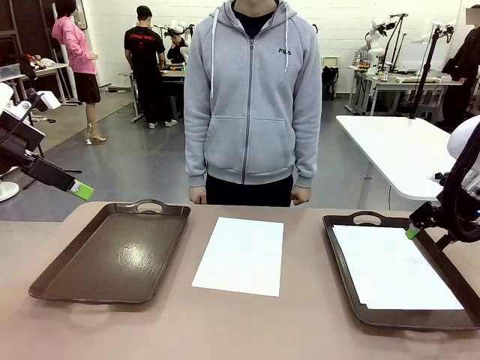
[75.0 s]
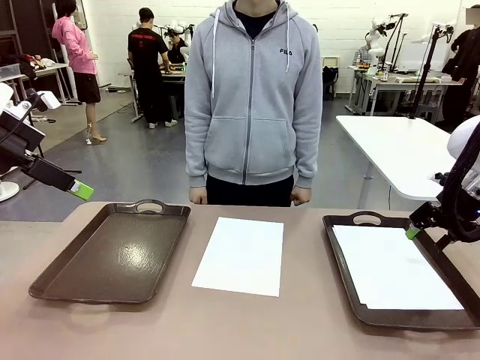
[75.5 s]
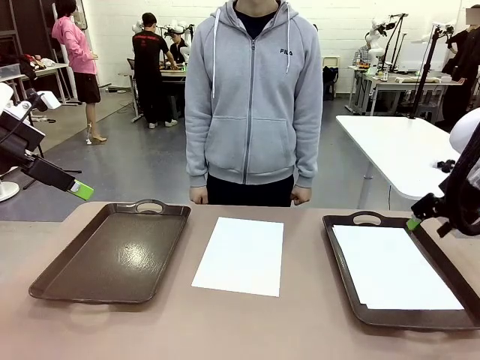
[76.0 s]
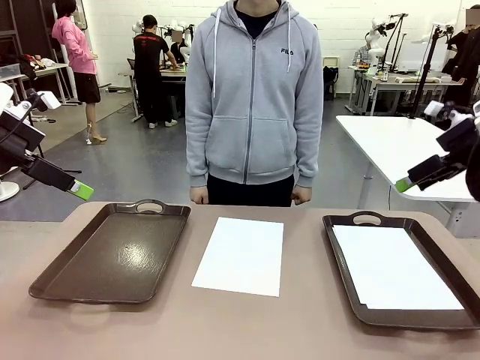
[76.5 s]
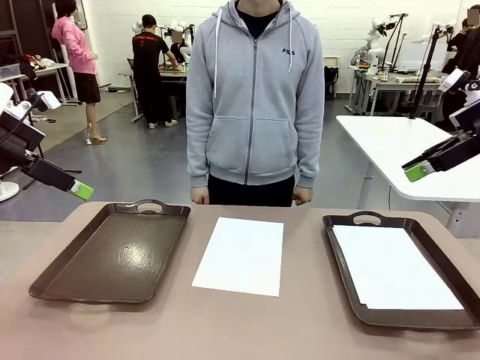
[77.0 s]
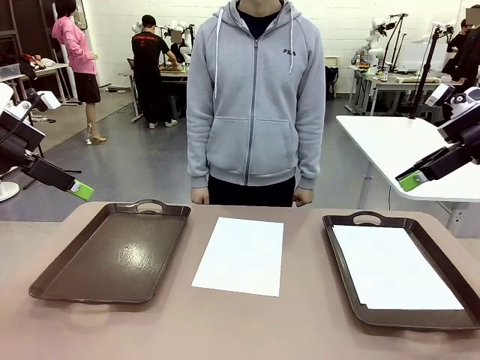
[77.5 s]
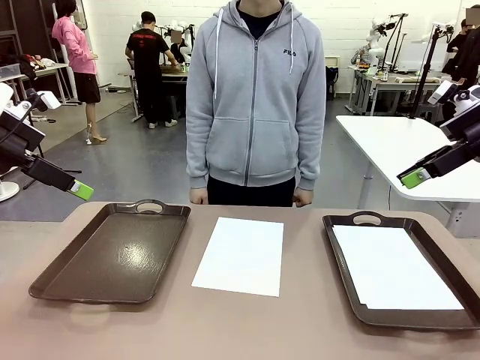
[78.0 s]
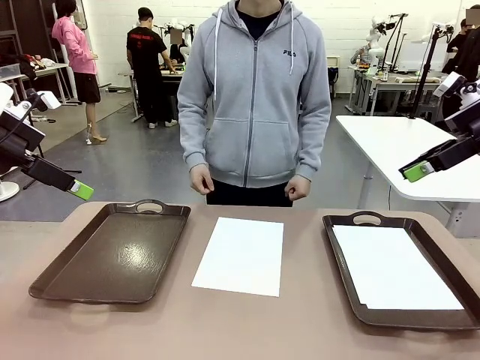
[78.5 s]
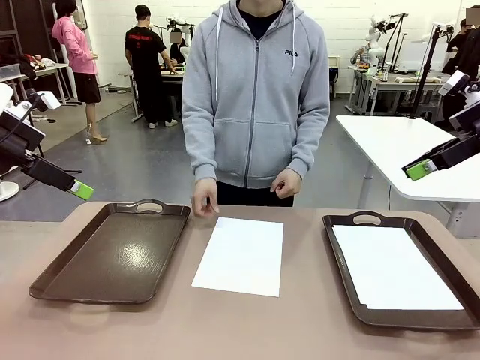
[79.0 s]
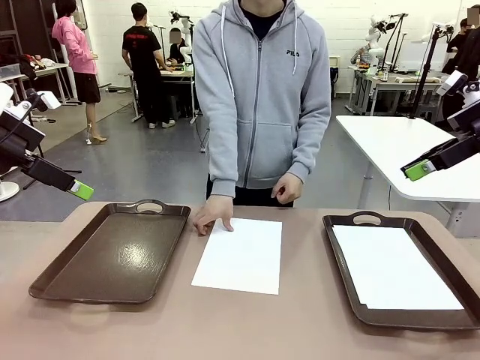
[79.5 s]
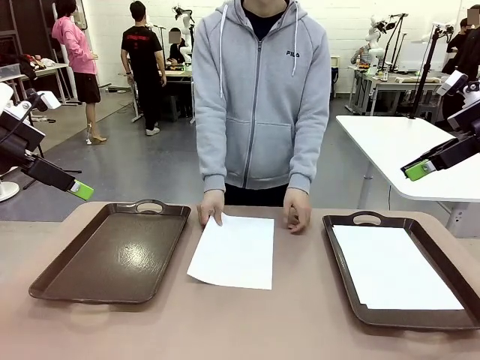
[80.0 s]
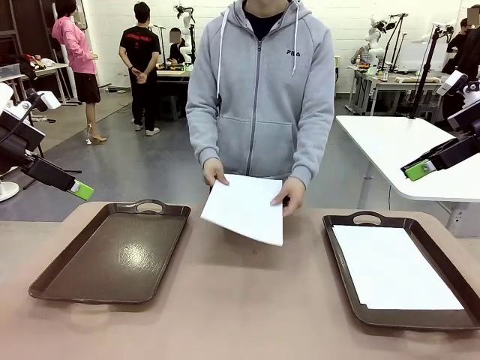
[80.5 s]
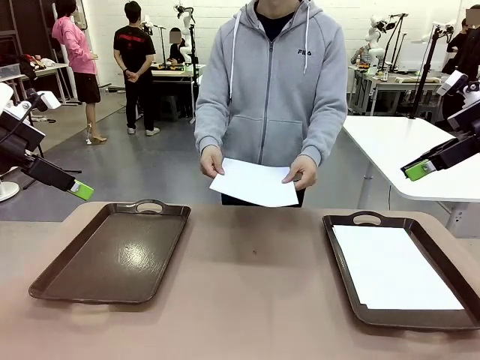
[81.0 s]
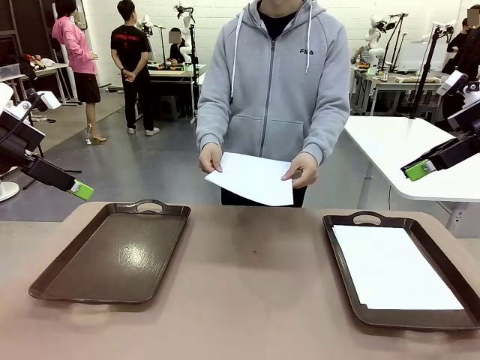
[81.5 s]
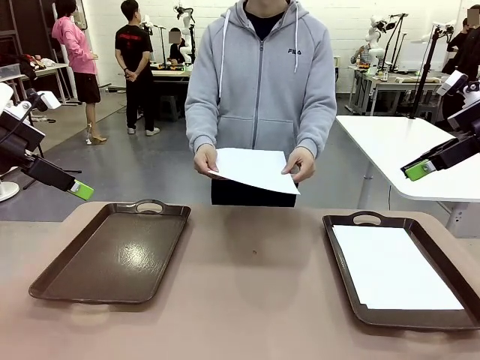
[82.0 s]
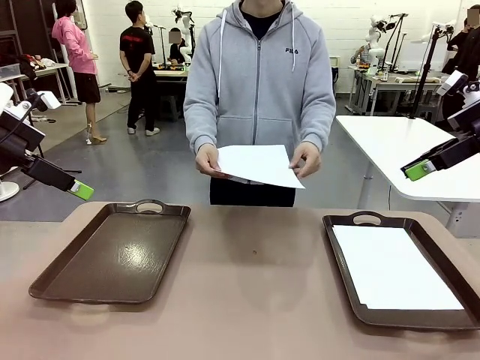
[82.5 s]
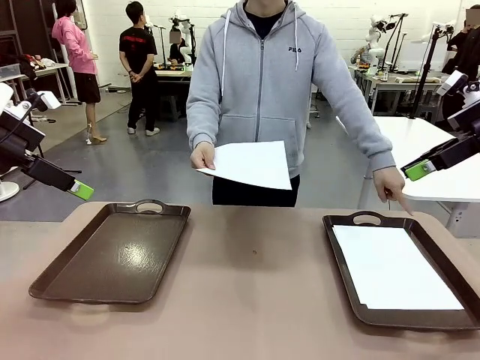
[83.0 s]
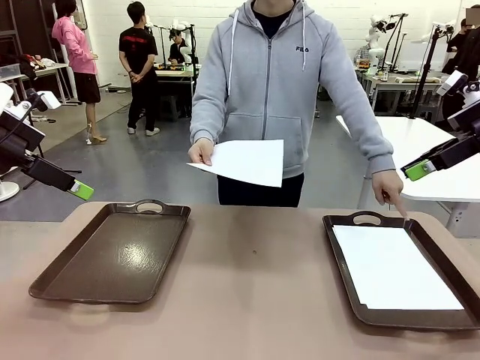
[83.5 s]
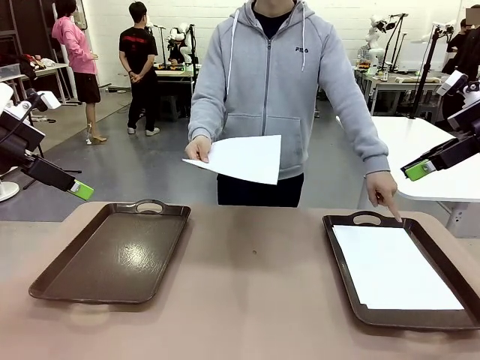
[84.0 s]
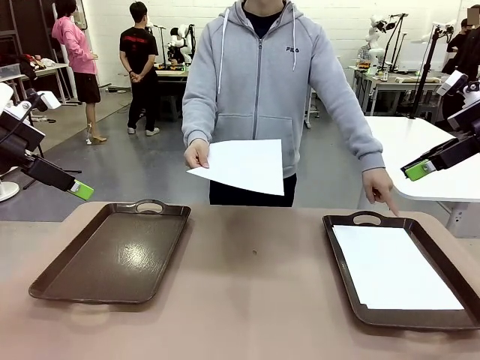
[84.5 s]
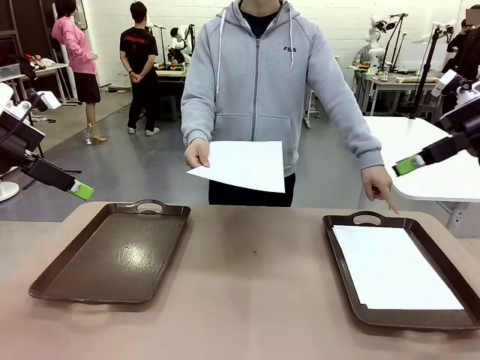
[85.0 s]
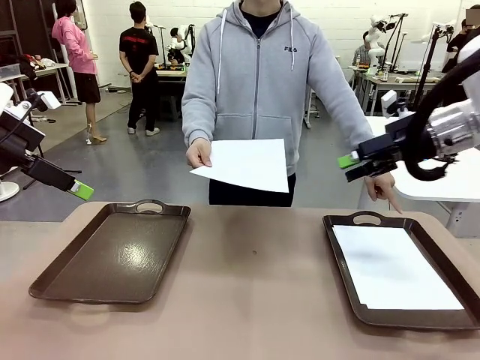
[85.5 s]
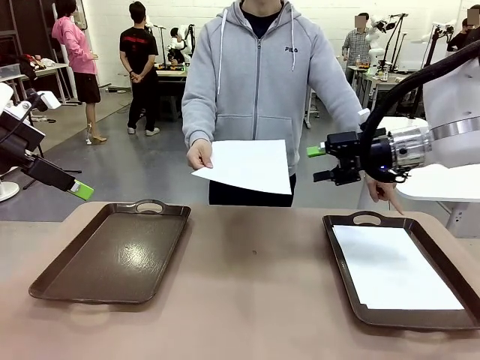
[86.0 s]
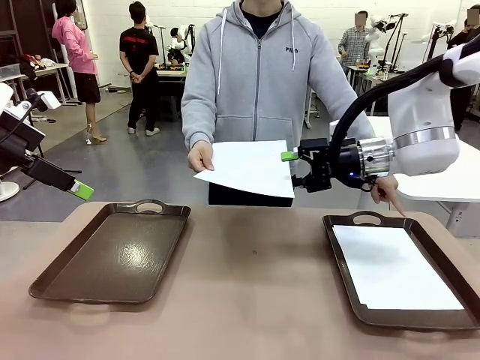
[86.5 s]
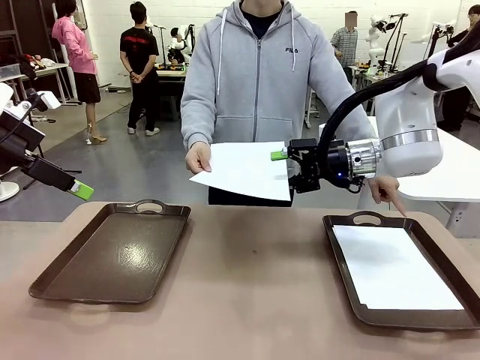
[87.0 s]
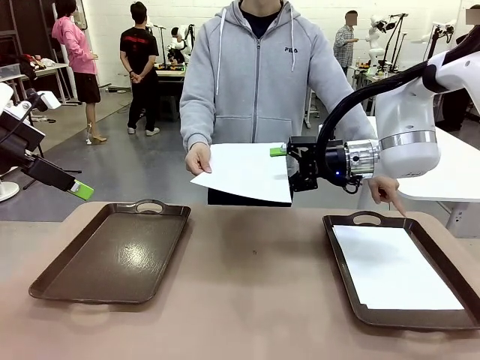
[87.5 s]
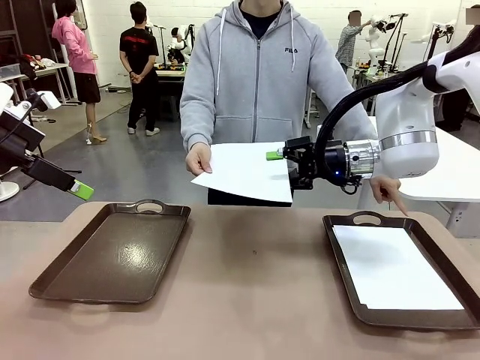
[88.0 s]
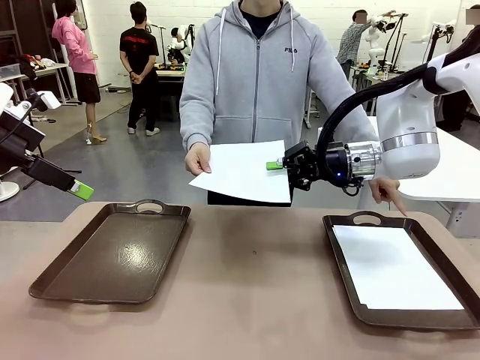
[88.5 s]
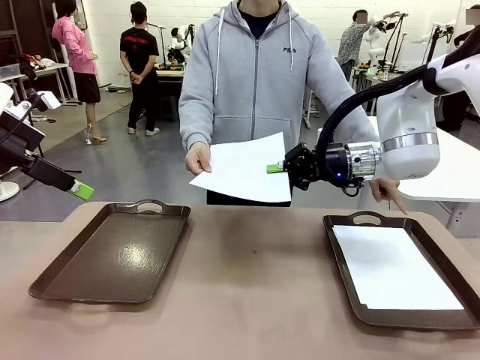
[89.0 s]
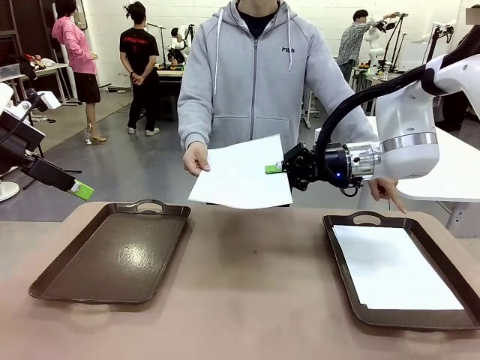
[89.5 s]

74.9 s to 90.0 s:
Task: Sort the A4 documents.
Robot: Receive the A4 Paper.
Person: Point the randomly selected tray with the other hand.

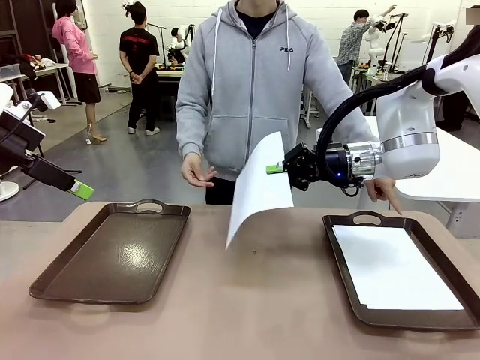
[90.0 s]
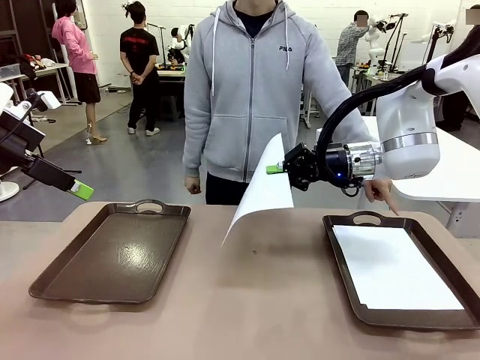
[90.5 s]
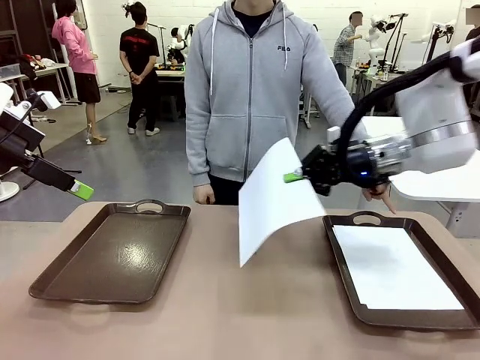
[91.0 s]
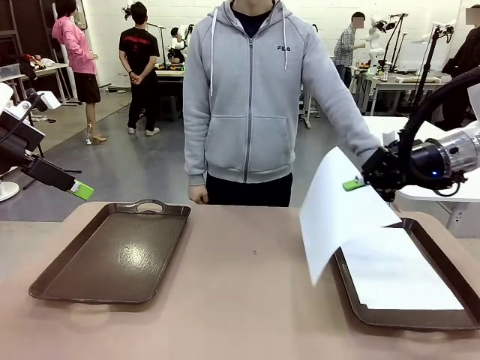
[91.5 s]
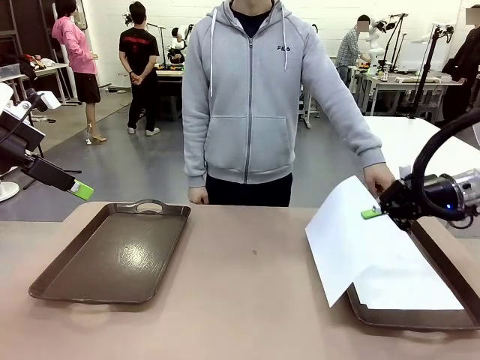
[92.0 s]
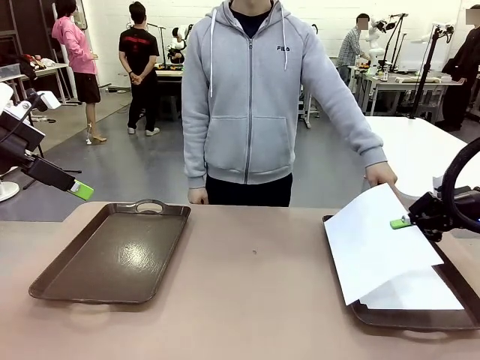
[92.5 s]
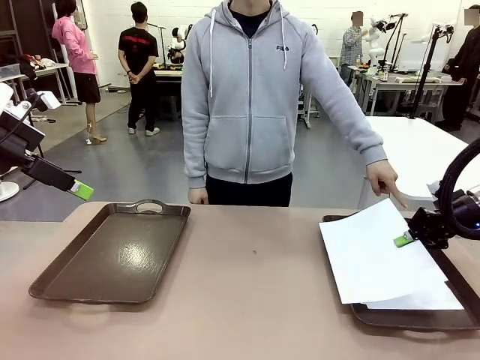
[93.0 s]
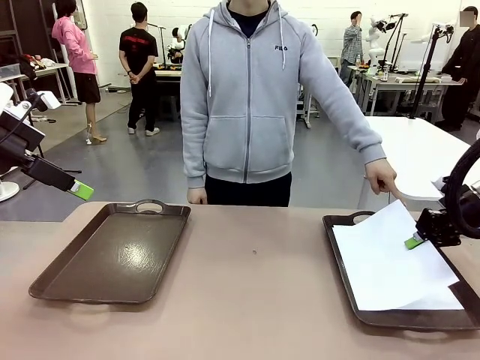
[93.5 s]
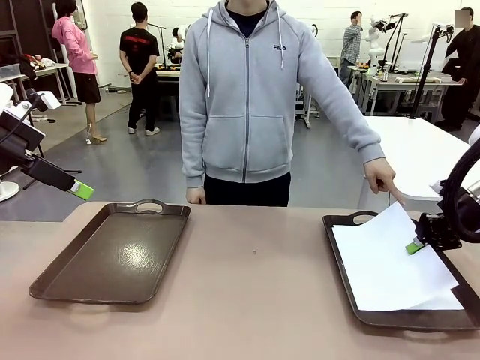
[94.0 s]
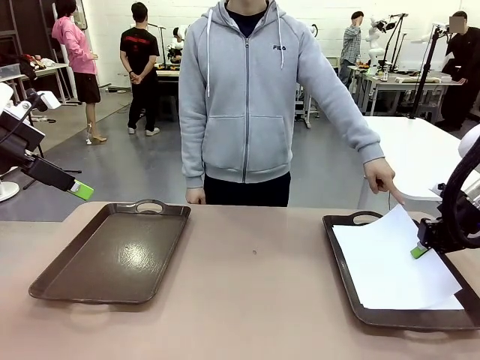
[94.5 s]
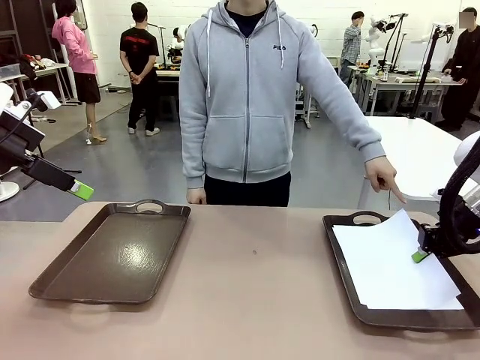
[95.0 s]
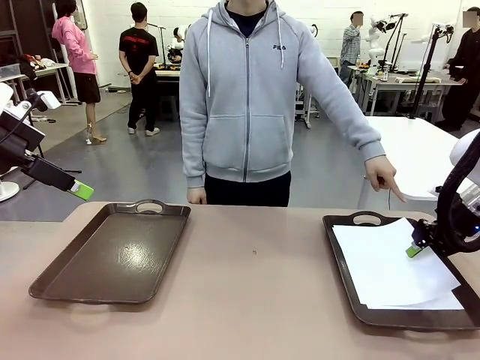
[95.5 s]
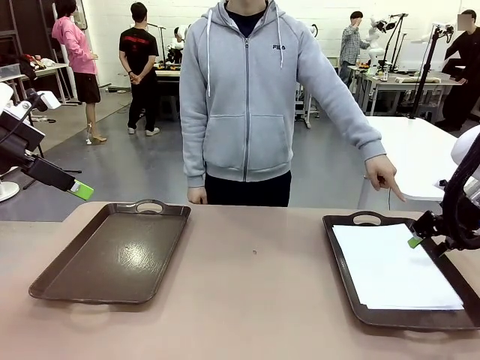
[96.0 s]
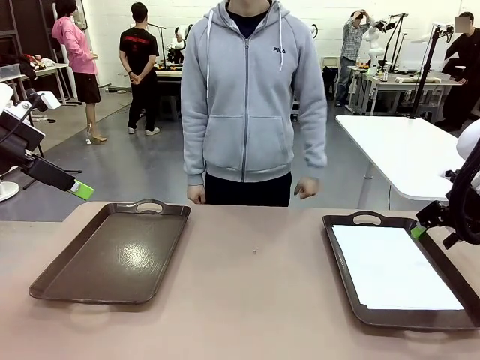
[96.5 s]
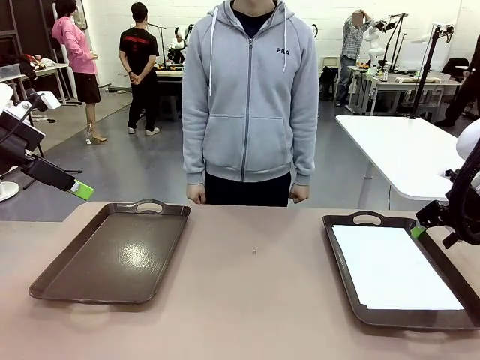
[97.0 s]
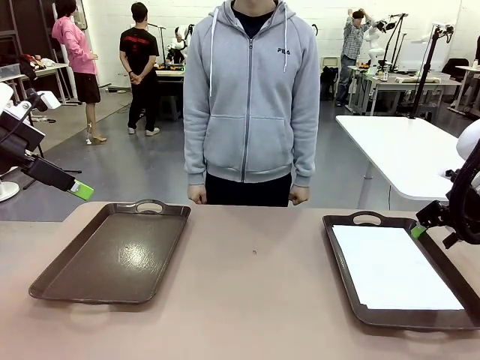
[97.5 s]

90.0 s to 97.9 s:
Robot: Place the A4 Paper in the designated Handle tray.
